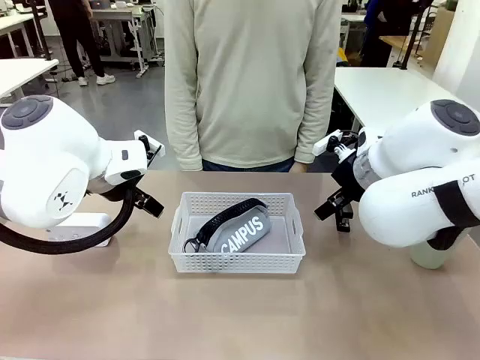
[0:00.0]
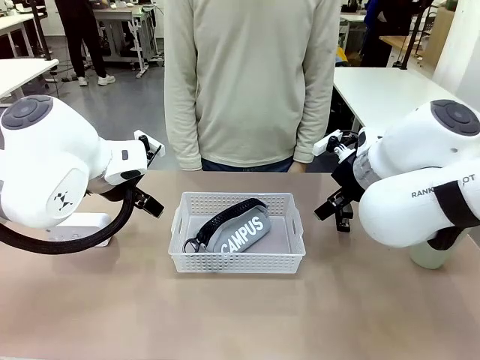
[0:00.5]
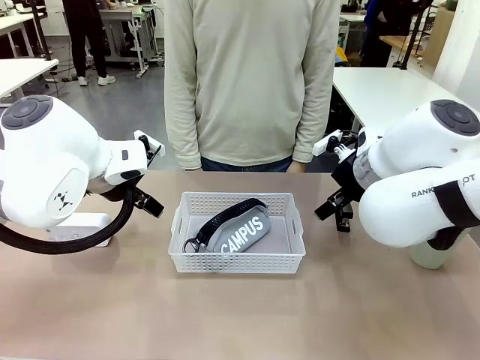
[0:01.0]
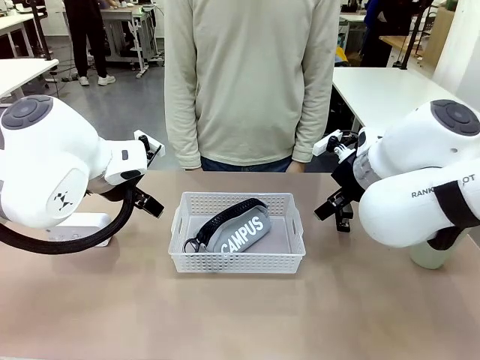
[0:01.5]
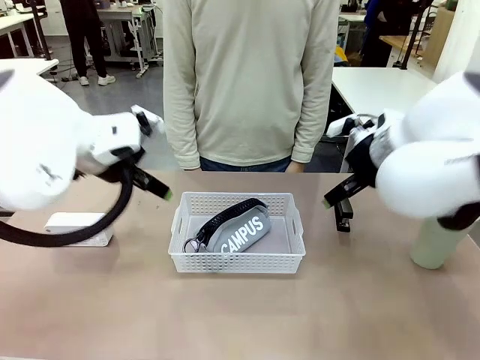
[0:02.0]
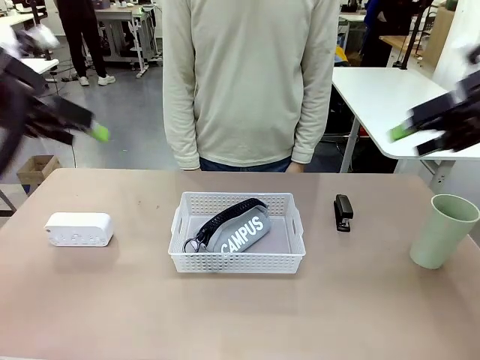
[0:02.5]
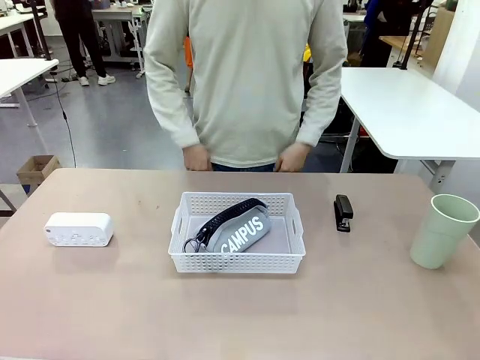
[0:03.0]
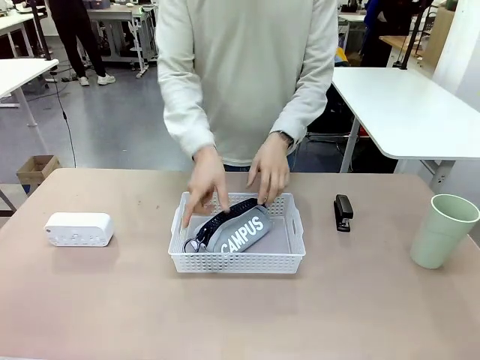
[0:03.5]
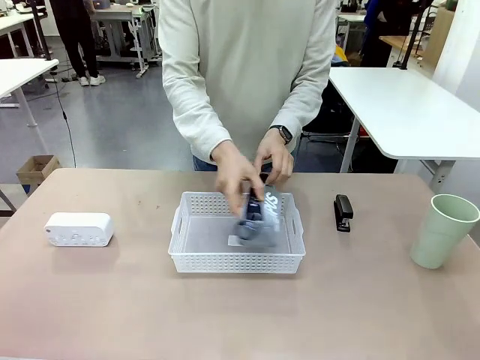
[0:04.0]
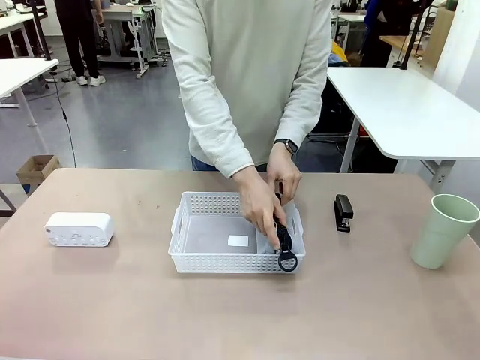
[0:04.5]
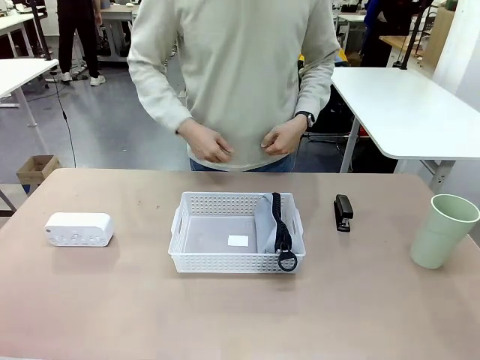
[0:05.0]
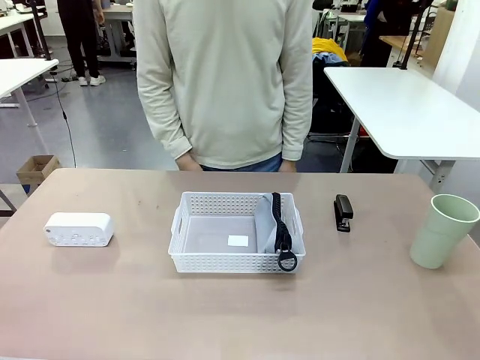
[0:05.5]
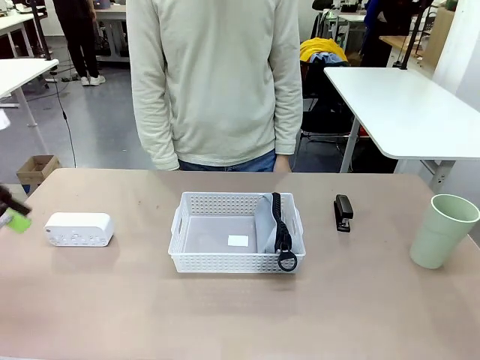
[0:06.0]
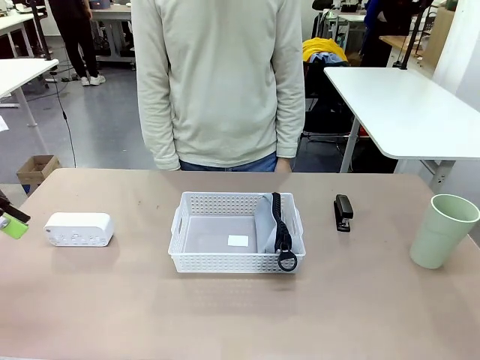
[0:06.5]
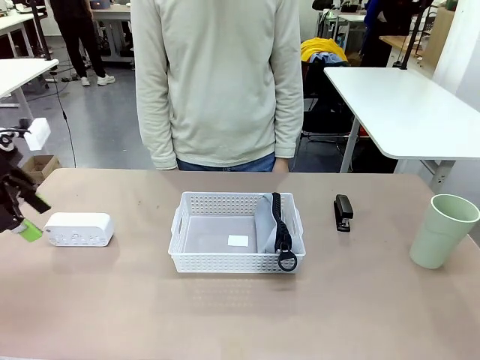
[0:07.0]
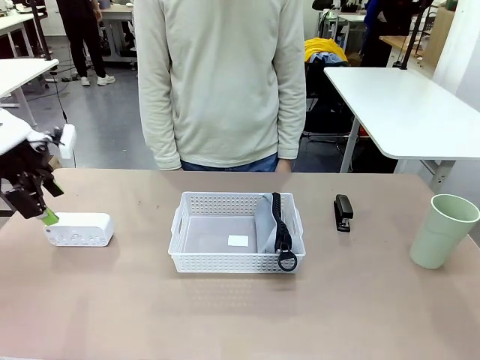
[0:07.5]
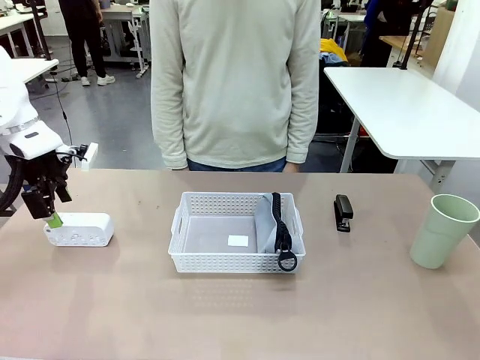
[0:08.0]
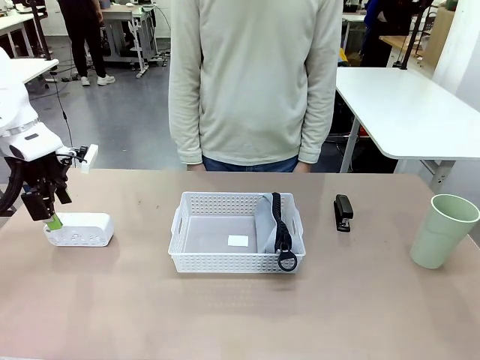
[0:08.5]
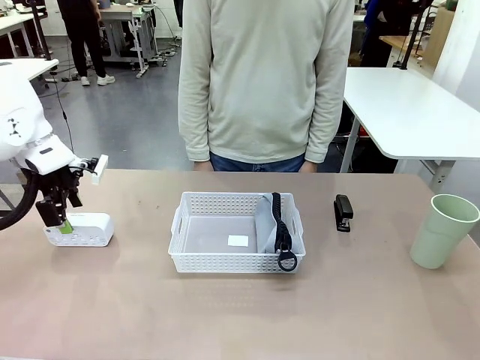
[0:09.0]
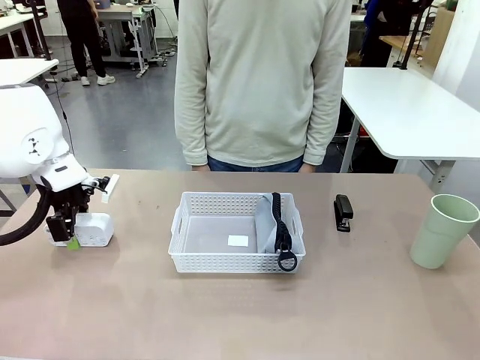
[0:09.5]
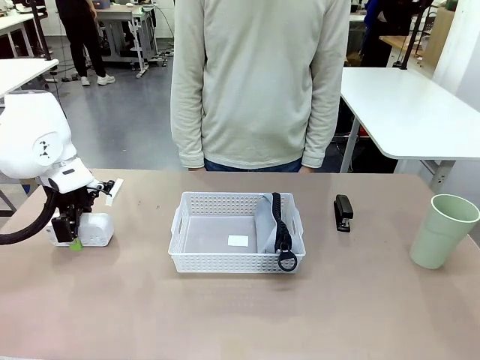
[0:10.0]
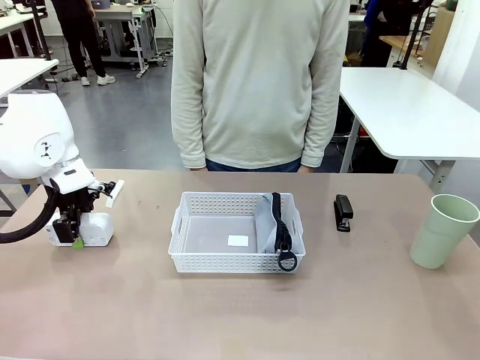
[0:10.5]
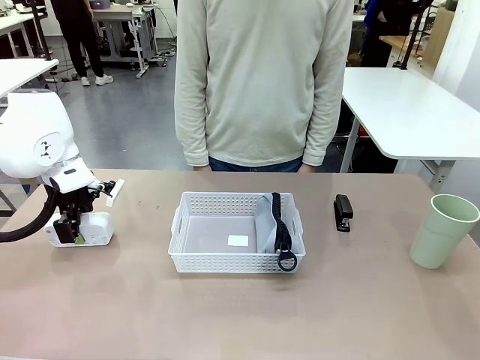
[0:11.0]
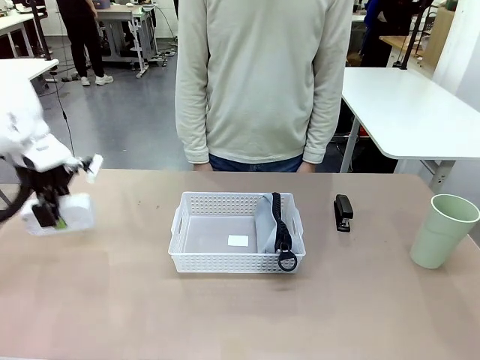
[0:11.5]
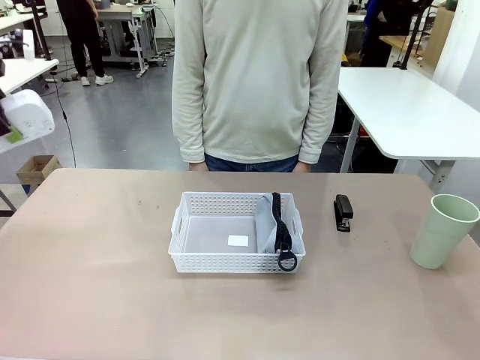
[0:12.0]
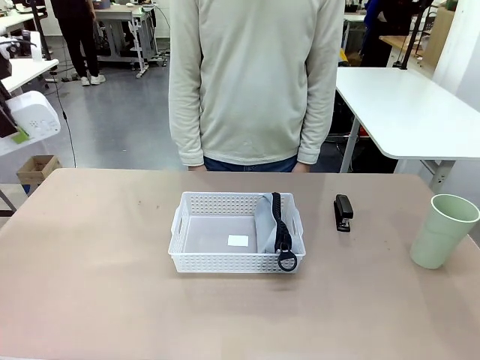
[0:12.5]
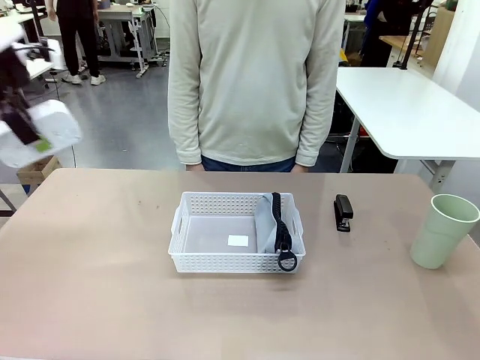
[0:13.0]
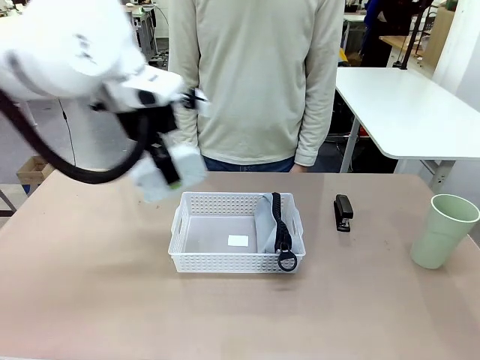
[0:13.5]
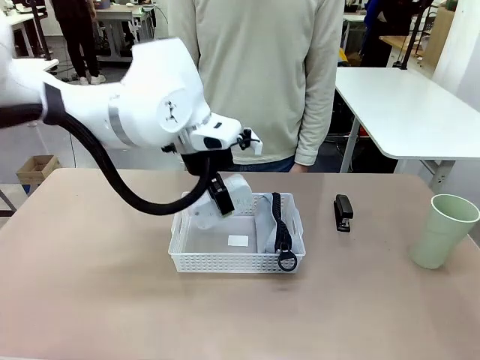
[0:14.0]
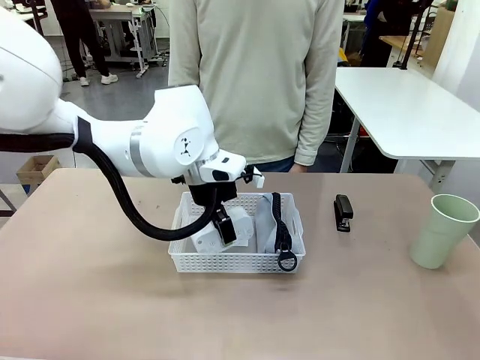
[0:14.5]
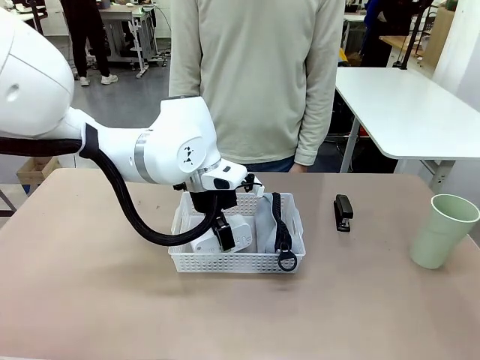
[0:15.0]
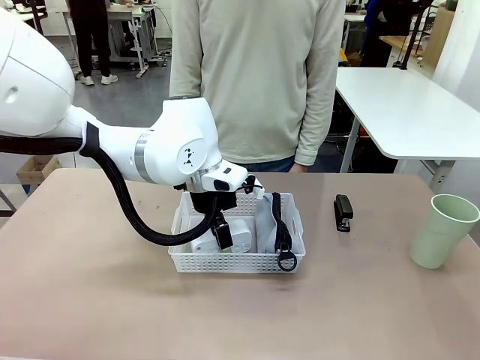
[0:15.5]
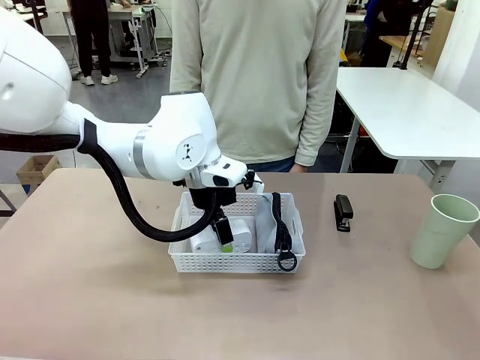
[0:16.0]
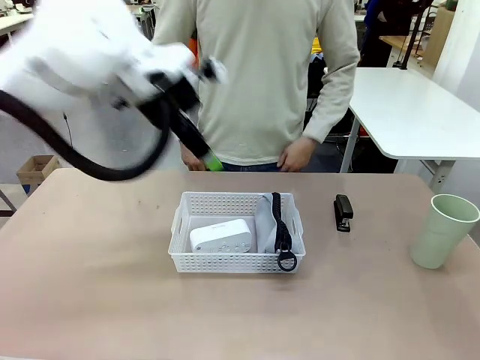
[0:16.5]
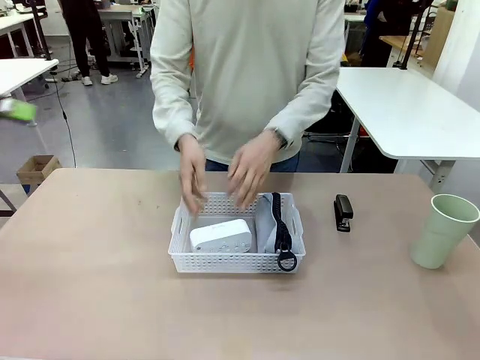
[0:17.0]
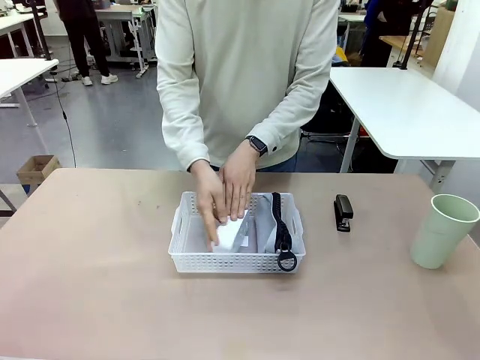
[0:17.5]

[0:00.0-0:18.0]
Task: Efficiently arrange items inside the basket to fit them all.
Robot: Pick up the Digital clock and place it inside the Organizing basket.
Person: Repositions the pencil case. Repositions the digital clock.
